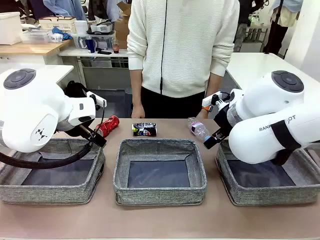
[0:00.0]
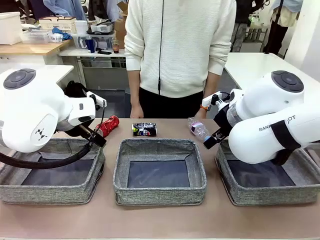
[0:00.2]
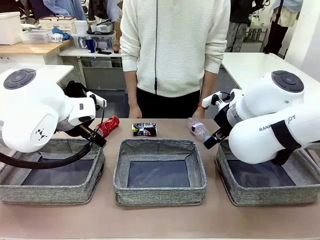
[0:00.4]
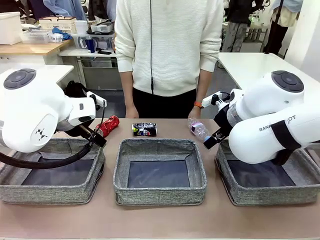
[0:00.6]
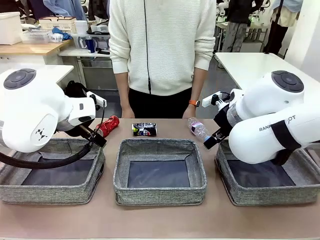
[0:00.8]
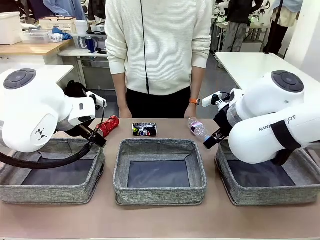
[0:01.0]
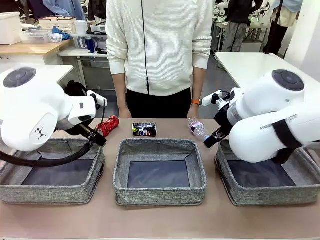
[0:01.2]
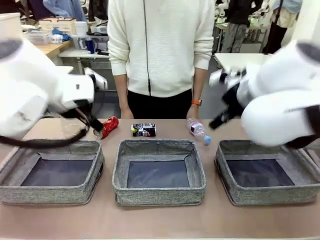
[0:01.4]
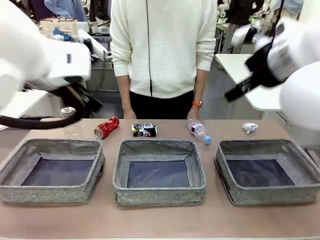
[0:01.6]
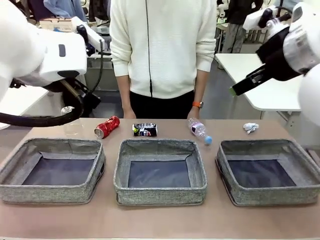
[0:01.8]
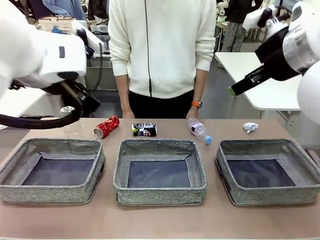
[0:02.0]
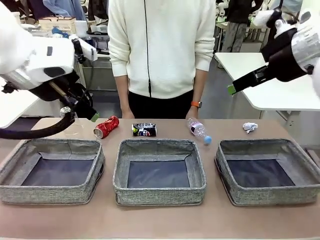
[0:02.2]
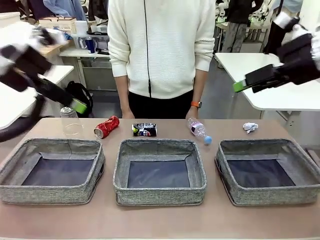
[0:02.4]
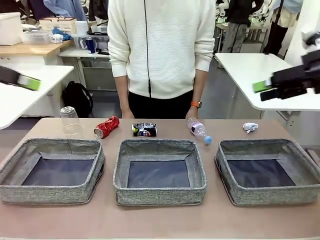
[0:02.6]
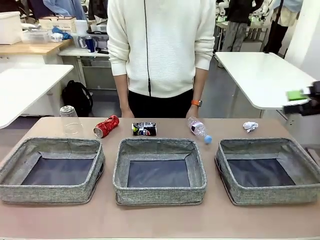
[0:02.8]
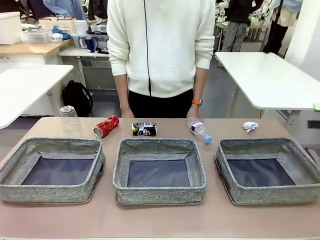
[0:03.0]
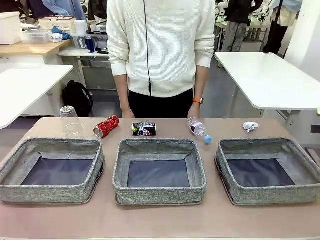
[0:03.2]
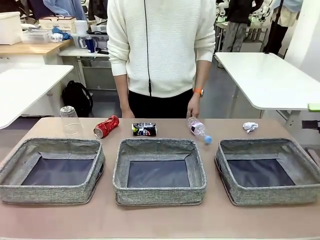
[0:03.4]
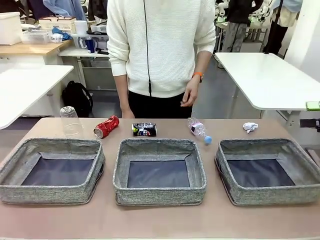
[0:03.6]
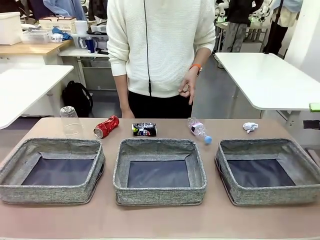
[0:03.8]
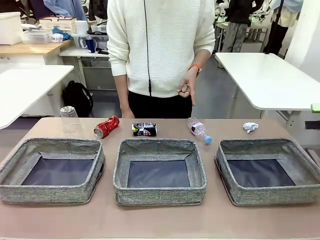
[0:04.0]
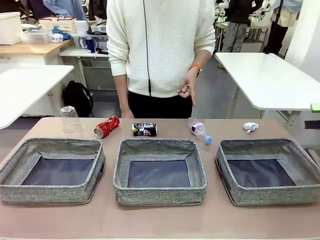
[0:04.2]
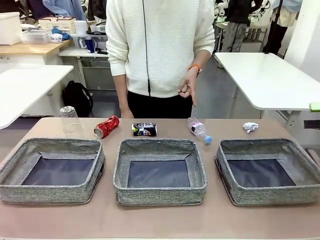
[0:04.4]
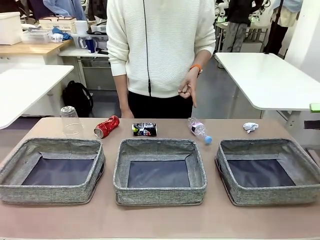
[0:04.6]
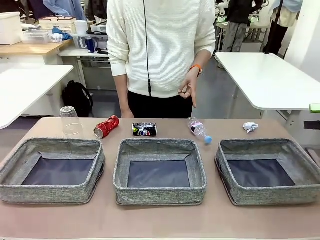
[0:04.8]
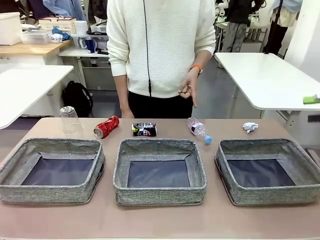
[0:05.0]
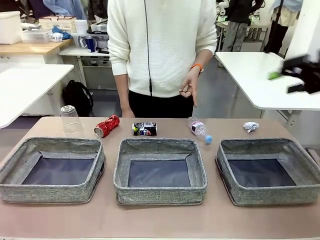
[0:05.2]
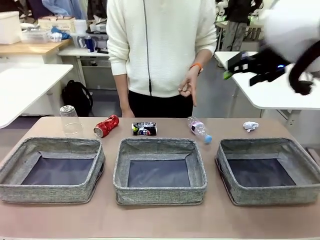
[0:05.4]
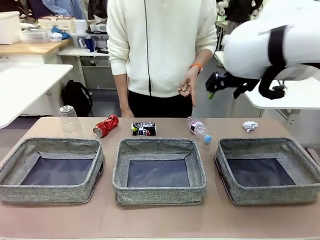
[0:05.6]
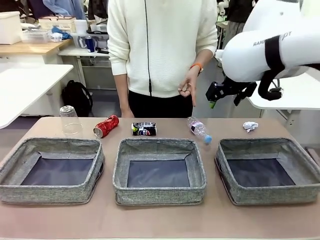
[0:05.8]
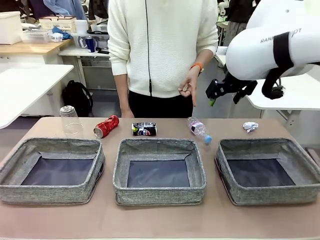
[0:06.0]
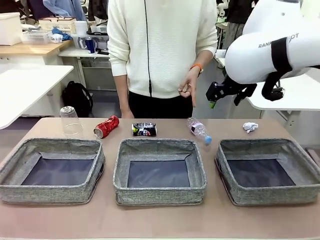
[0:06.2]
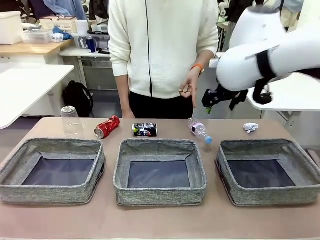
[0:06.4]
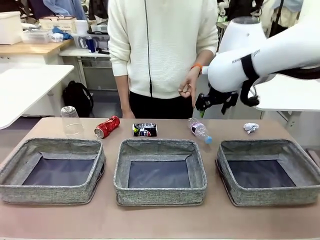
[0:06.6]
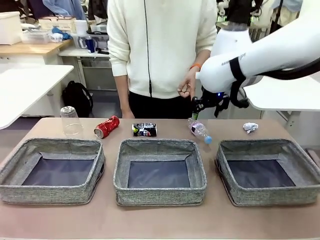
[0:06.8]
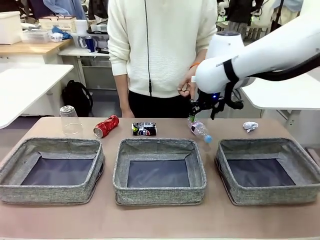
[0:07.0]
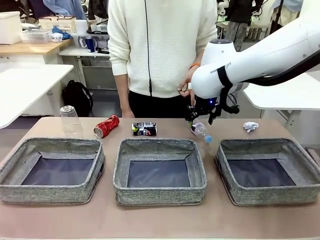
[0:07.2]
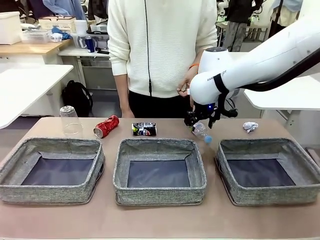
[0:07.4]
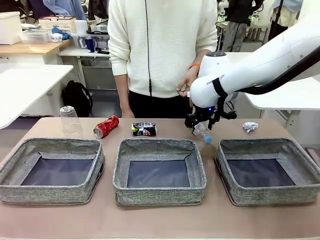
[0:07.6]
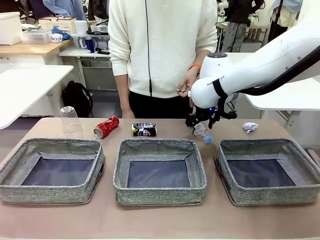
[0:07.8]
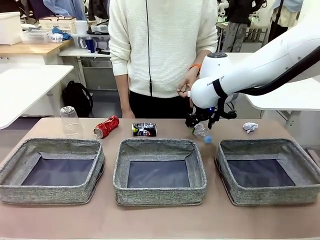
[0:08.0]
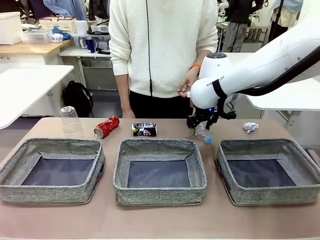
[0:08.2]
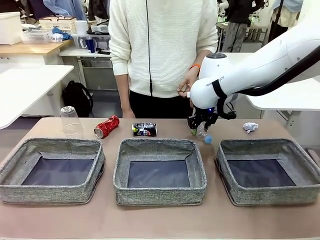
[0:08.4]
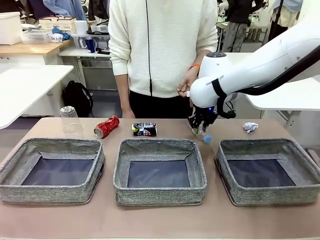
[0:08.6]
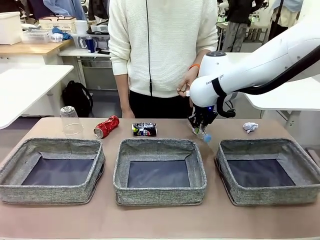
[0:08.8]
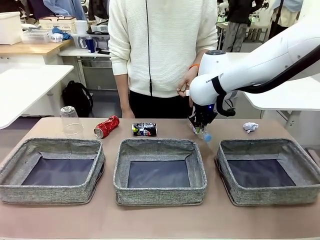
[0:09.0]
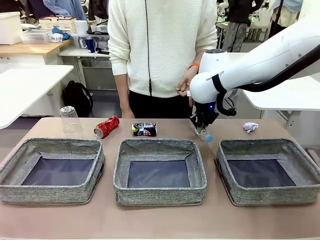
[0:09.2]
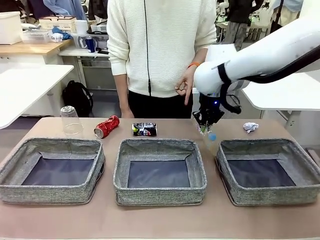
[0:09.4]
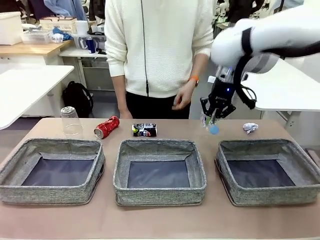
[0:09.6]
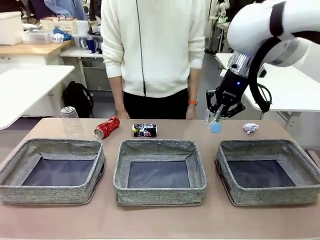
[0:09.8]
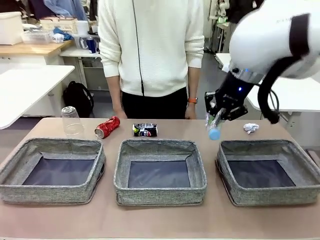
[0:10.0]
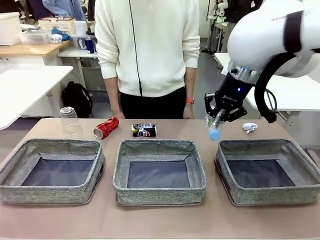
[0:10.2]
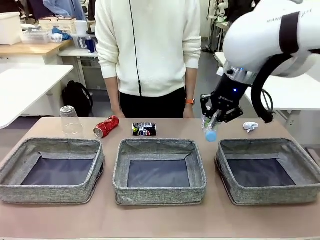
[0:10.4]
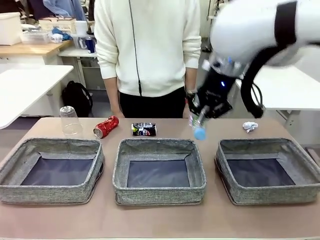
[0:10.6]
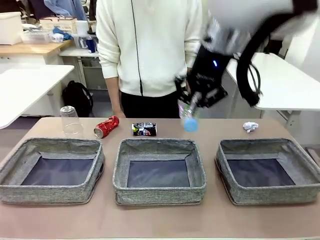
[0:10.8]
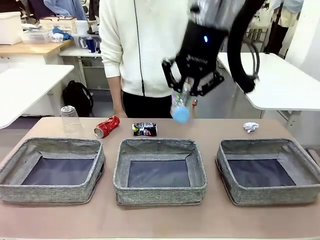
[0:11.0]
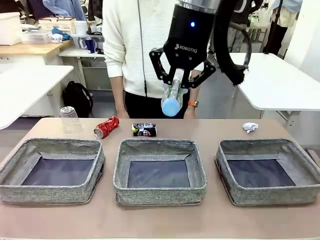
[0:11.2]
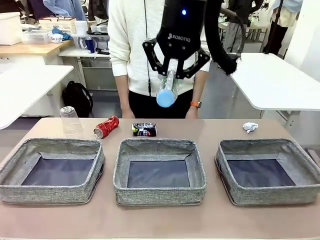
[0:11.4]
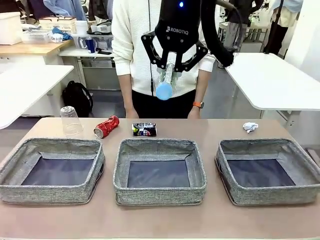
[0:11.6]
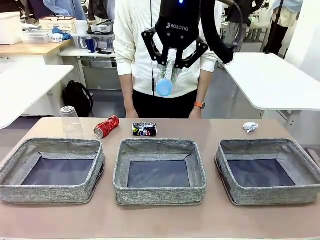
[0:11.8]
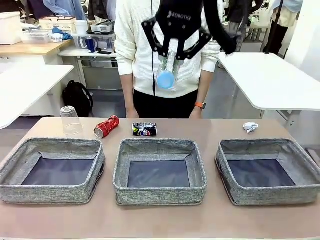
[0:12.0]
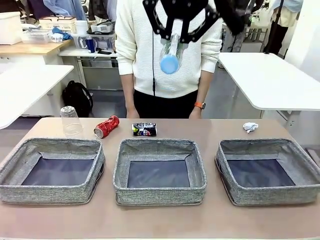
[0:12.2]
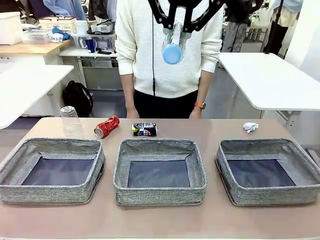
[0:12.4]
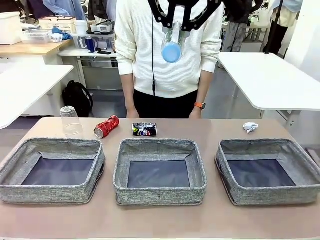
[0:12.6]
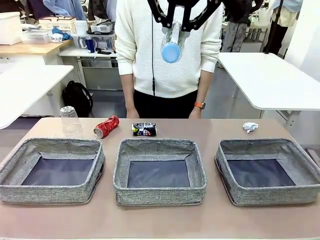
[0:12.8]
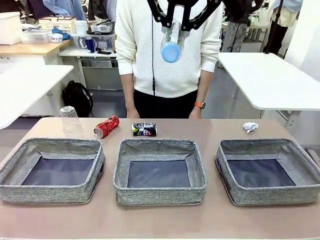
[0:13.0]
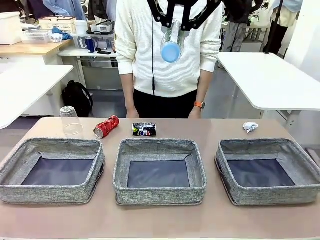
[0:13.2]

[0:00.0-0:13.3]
Task: Sort the waste into the appropriate baskets.
Robot: Pick up the waste item pointed out by the person.
Person: Points to one piece of trash on the table.

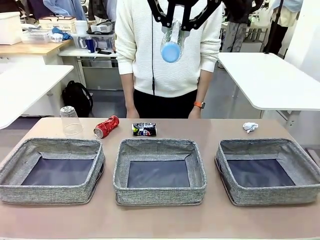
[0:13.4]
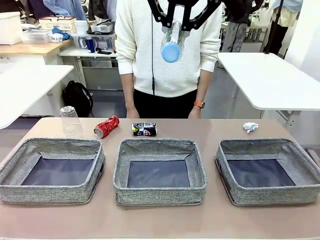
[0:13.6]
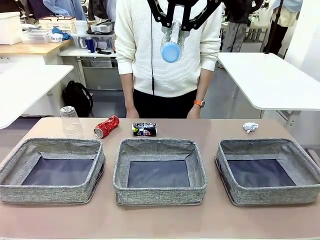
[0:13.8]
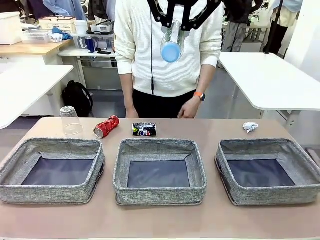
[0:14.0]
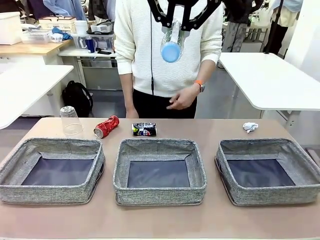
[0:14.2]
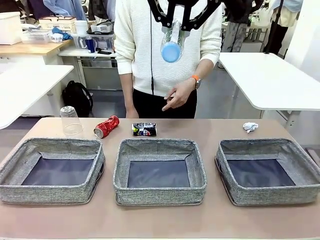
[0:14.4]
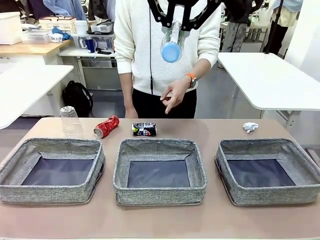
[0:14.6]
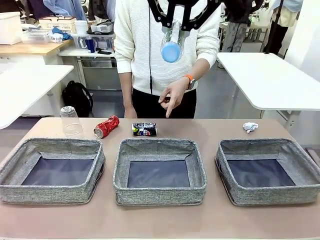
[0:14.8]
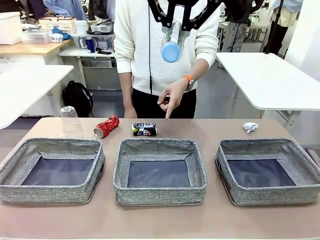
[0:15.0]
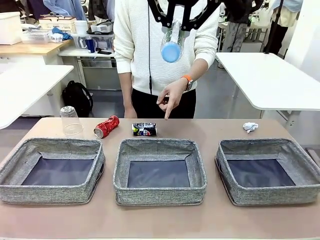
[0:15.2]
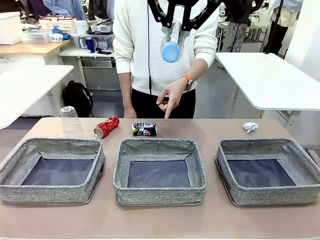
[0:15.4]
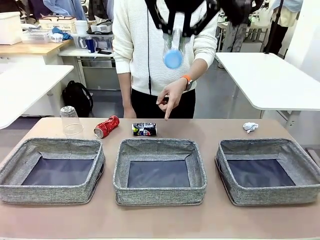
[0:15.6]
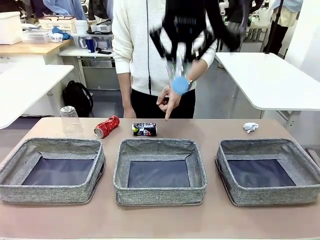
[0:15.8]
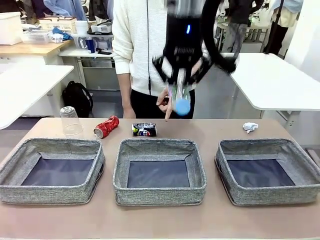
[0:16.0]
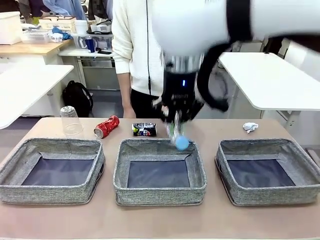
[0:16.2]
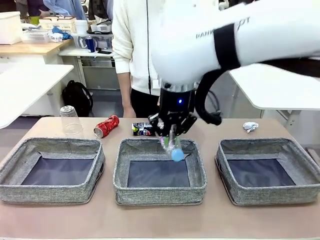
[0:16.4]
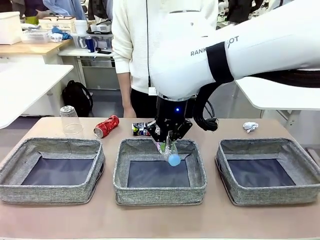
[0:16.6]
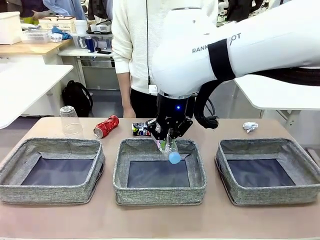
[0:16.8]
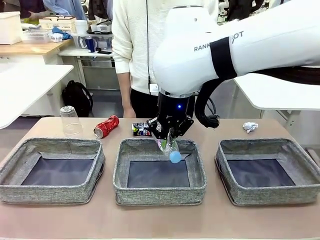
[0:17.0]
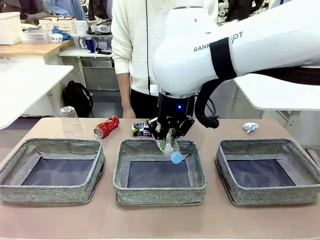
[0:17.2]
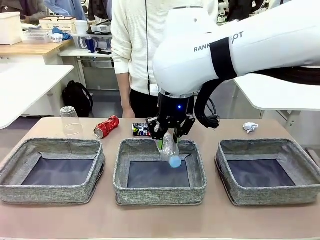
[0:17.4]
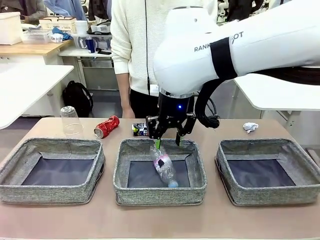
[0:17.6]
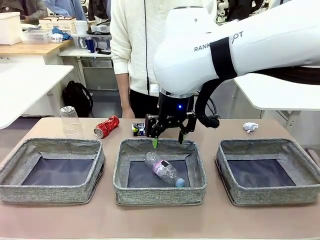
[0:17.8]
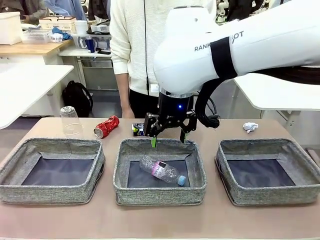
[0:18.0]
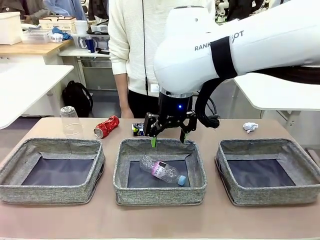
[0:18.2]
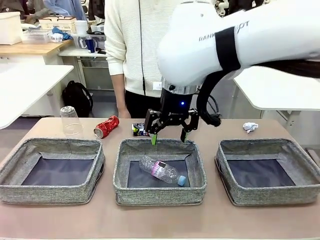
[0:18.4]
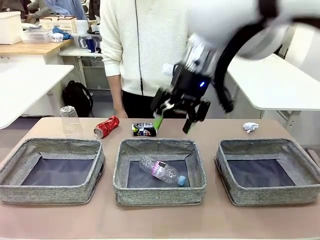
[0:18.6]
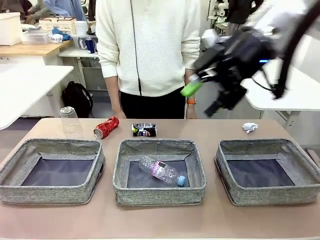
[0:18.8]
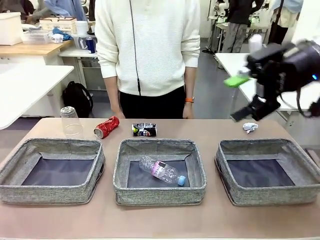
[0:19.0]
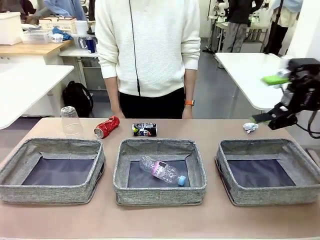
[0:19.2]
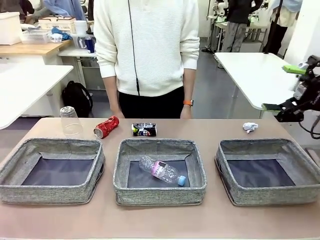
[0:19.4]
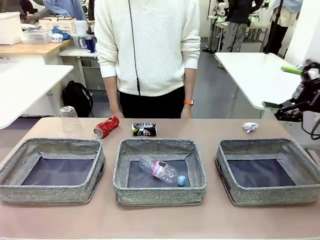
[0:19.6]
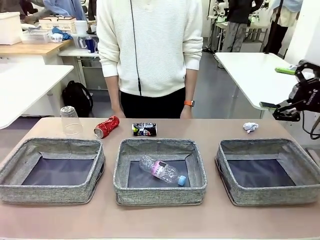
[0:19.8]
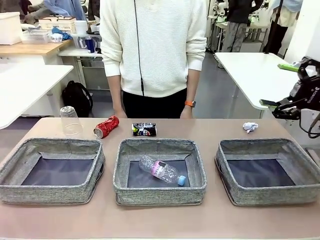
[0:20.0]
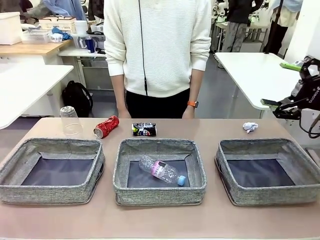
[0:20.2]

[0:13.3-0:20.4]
Robot: Place the picked waste into the Fabric basket indicated by the person.
Person: Instructs the robot to place the picked-up trash into the appropriate organizing basket.
